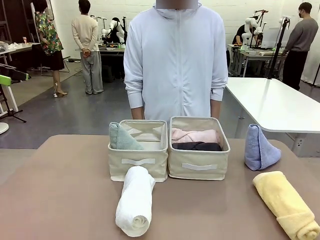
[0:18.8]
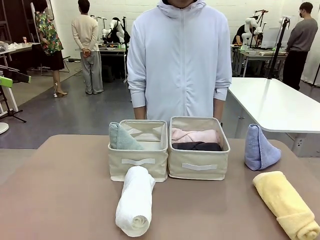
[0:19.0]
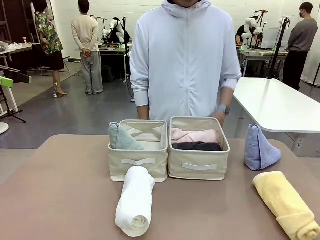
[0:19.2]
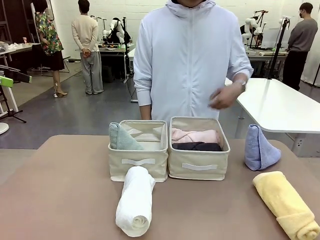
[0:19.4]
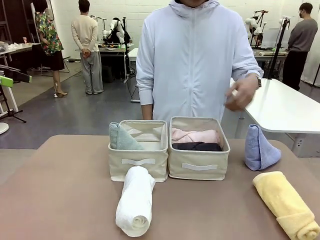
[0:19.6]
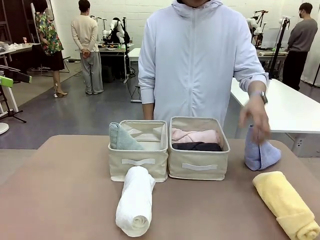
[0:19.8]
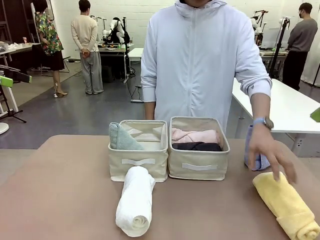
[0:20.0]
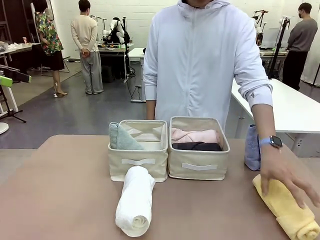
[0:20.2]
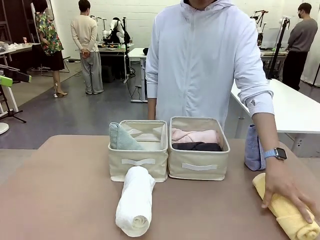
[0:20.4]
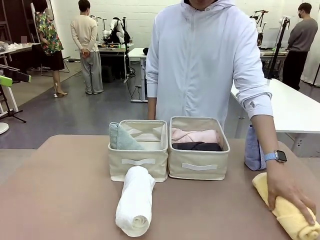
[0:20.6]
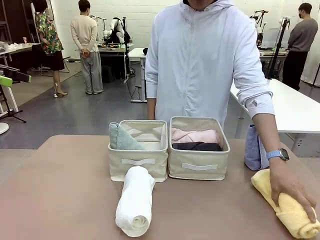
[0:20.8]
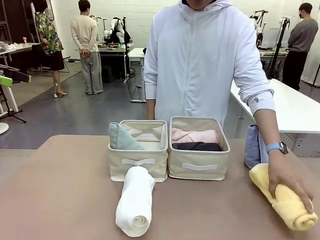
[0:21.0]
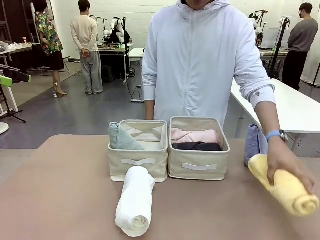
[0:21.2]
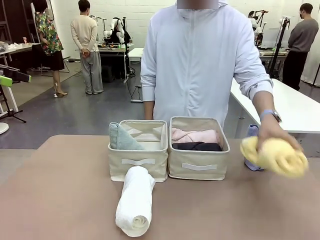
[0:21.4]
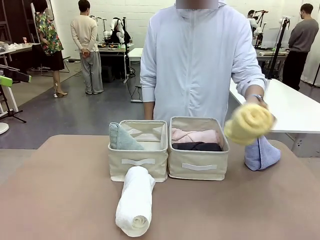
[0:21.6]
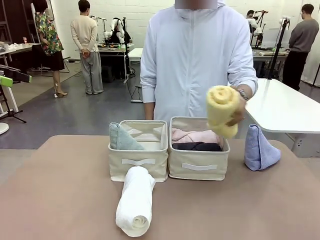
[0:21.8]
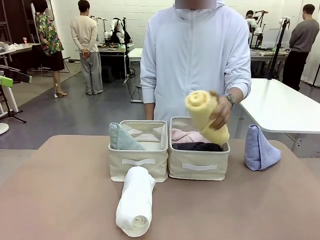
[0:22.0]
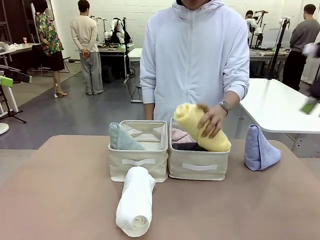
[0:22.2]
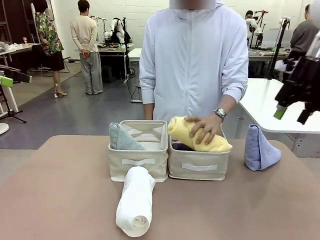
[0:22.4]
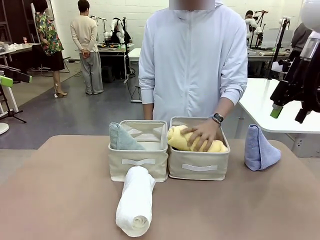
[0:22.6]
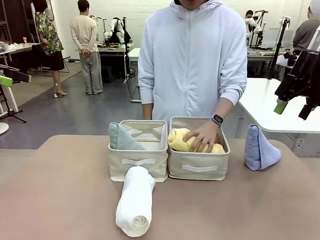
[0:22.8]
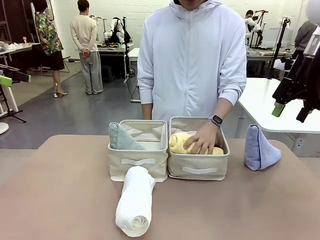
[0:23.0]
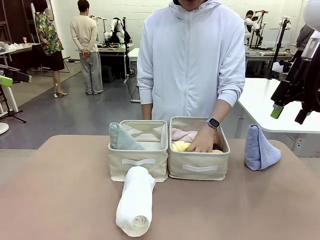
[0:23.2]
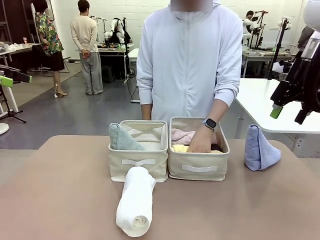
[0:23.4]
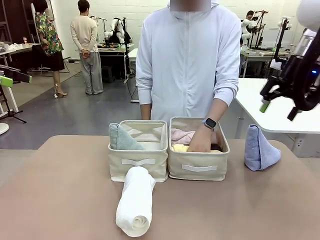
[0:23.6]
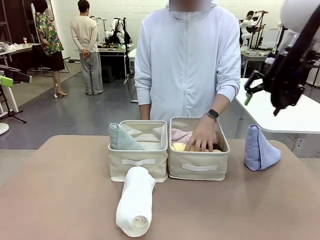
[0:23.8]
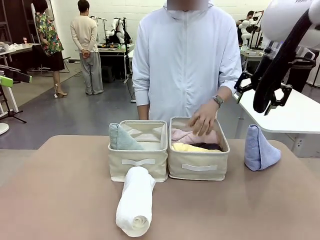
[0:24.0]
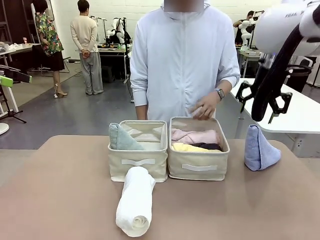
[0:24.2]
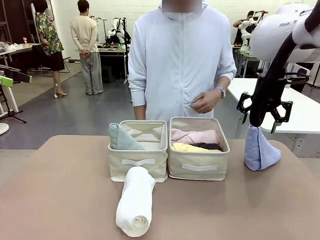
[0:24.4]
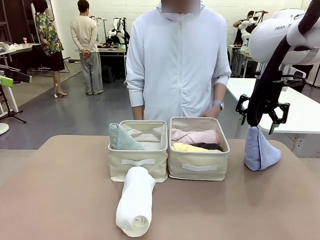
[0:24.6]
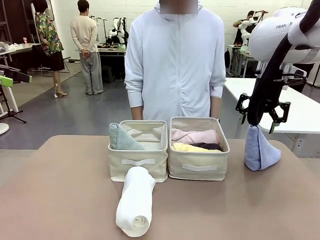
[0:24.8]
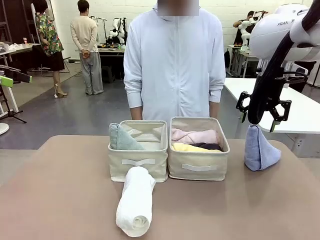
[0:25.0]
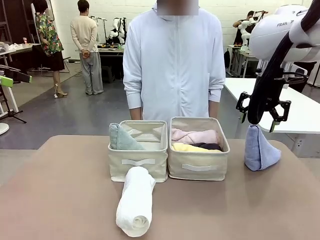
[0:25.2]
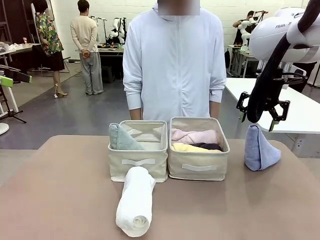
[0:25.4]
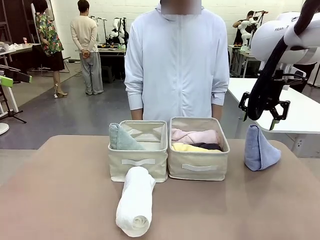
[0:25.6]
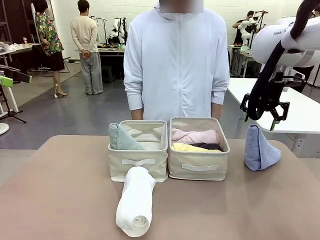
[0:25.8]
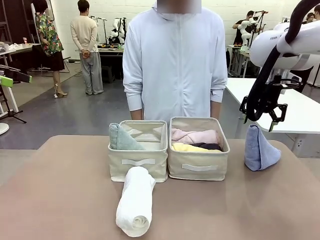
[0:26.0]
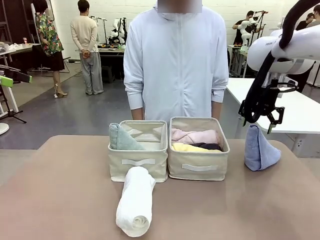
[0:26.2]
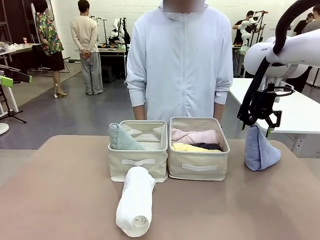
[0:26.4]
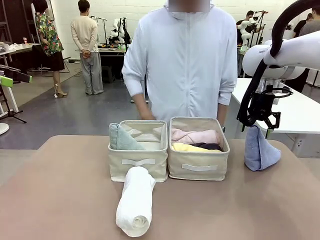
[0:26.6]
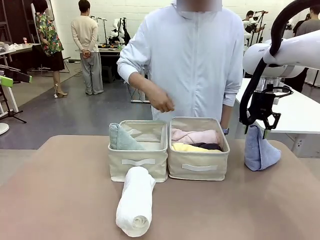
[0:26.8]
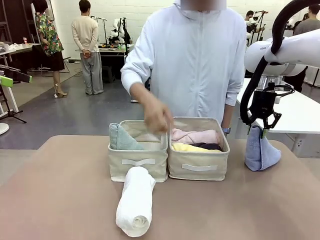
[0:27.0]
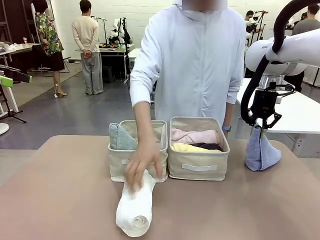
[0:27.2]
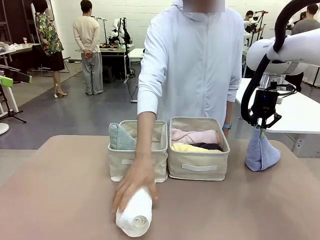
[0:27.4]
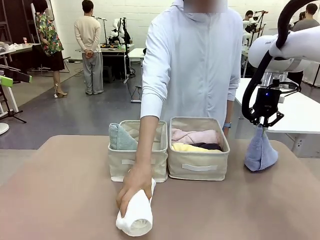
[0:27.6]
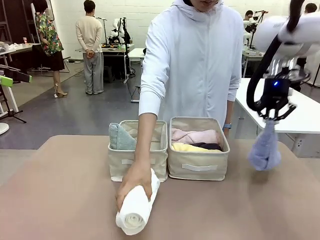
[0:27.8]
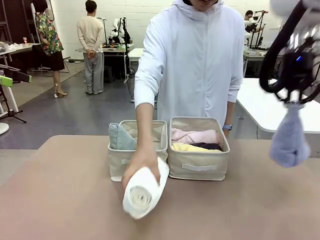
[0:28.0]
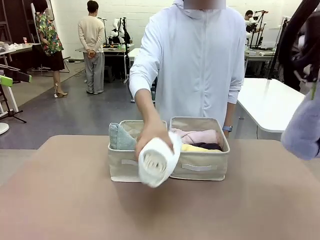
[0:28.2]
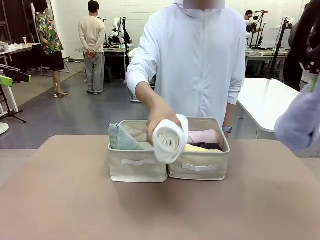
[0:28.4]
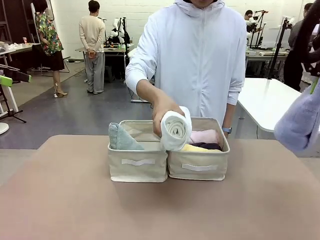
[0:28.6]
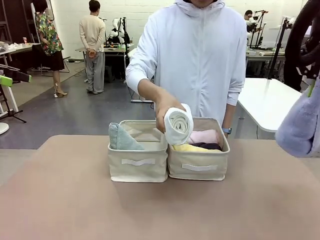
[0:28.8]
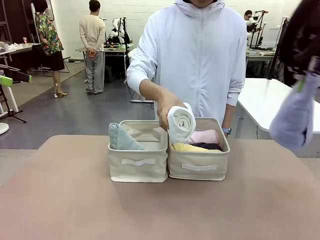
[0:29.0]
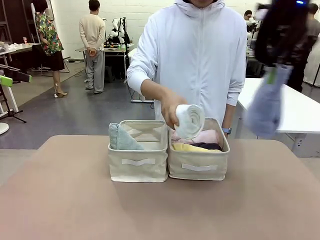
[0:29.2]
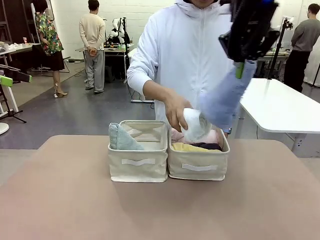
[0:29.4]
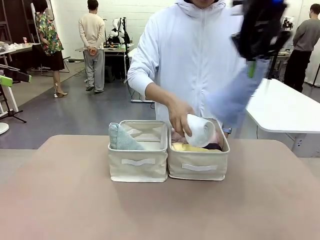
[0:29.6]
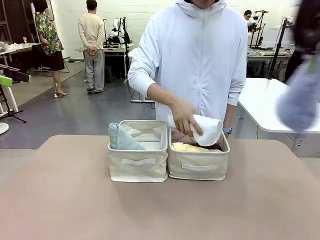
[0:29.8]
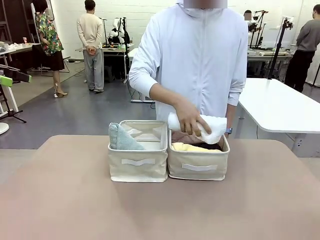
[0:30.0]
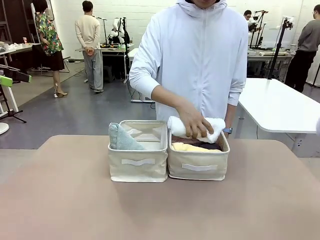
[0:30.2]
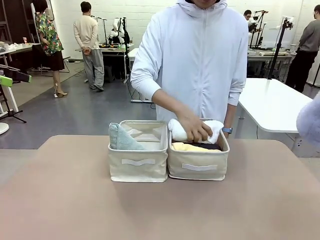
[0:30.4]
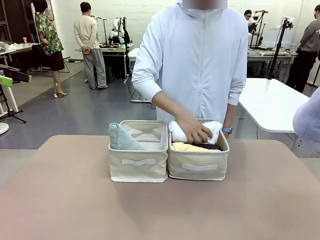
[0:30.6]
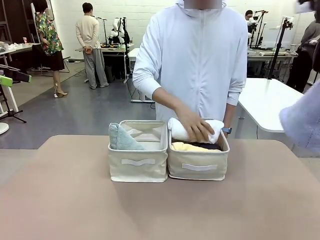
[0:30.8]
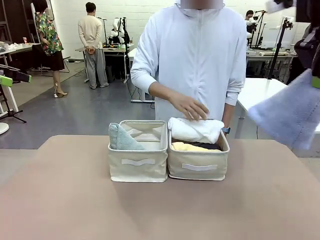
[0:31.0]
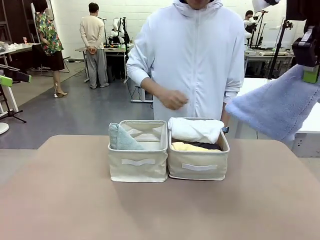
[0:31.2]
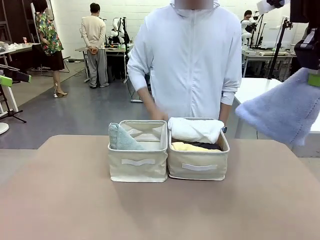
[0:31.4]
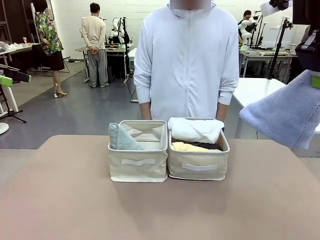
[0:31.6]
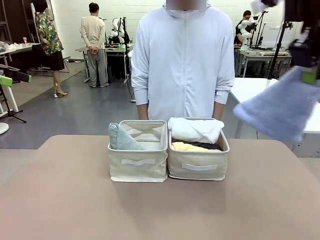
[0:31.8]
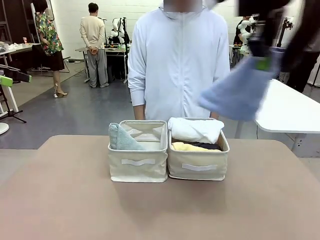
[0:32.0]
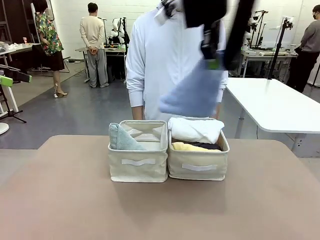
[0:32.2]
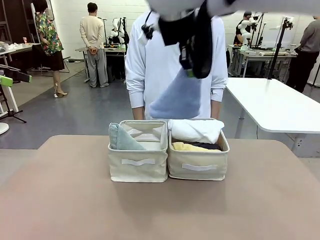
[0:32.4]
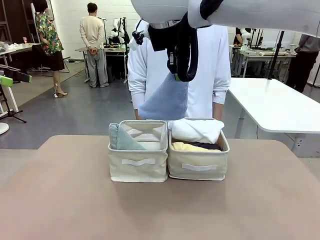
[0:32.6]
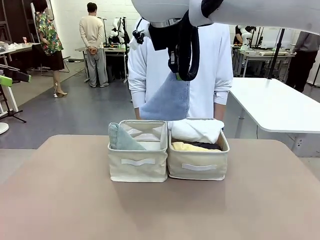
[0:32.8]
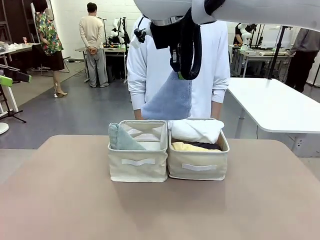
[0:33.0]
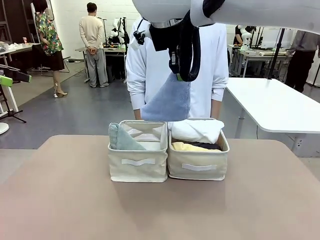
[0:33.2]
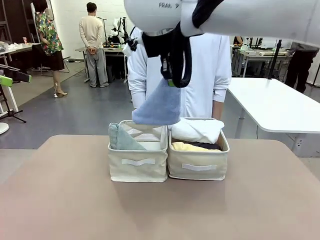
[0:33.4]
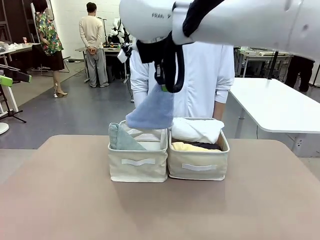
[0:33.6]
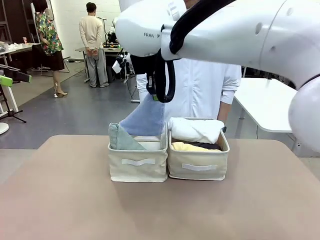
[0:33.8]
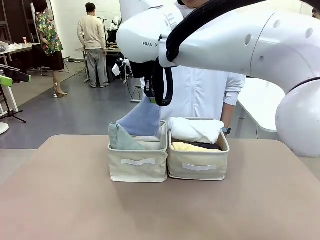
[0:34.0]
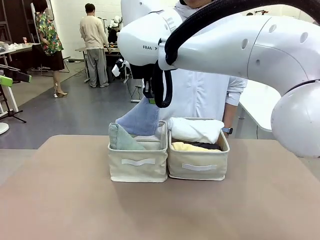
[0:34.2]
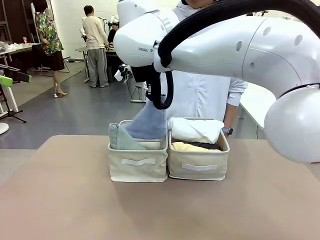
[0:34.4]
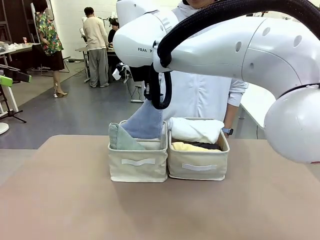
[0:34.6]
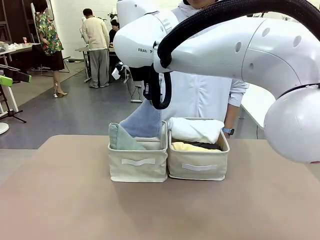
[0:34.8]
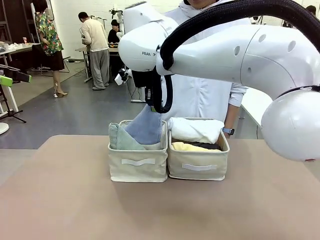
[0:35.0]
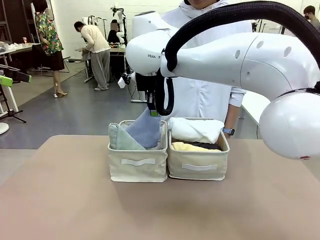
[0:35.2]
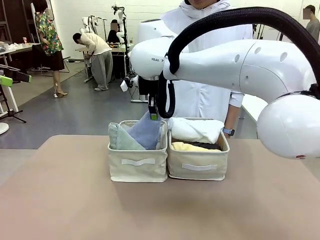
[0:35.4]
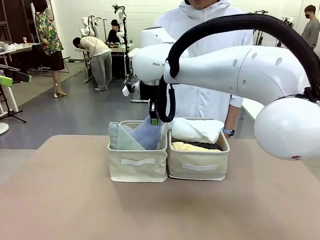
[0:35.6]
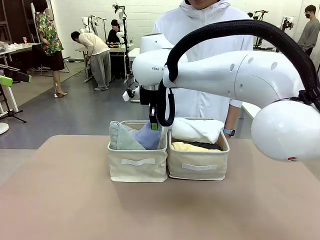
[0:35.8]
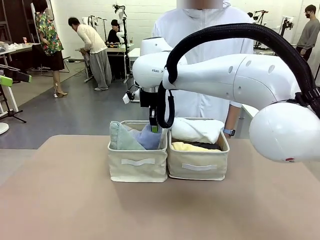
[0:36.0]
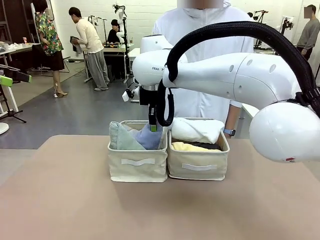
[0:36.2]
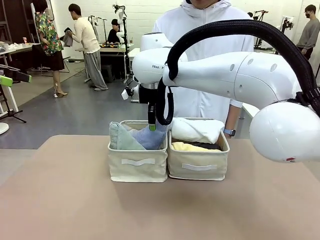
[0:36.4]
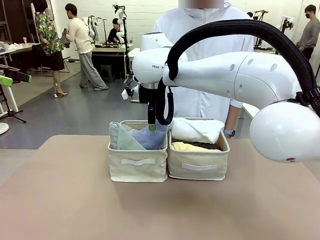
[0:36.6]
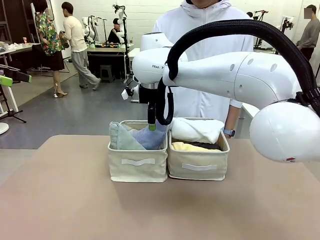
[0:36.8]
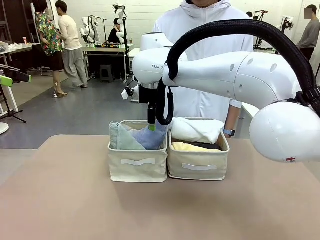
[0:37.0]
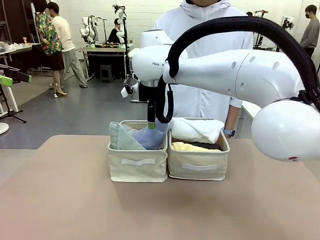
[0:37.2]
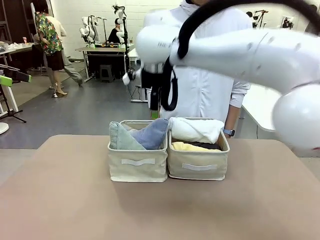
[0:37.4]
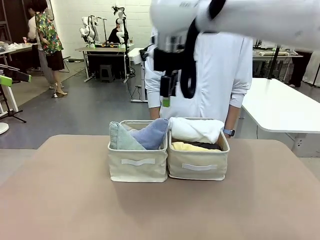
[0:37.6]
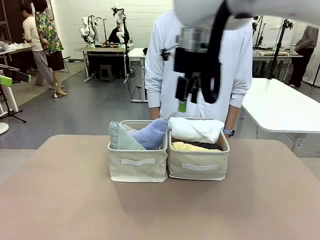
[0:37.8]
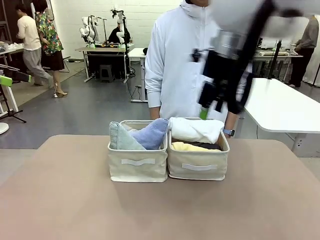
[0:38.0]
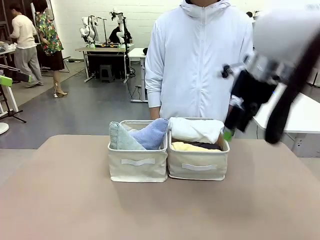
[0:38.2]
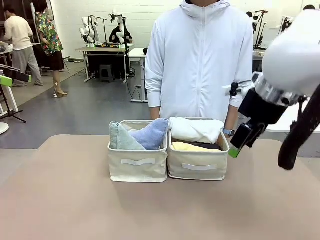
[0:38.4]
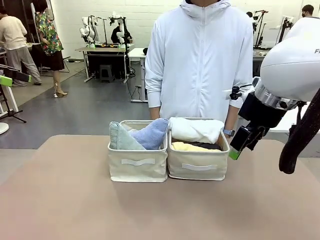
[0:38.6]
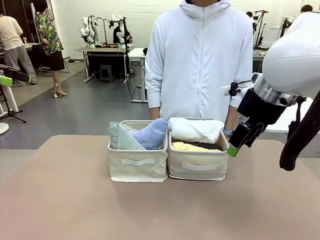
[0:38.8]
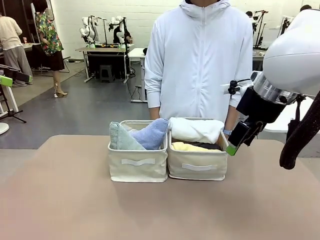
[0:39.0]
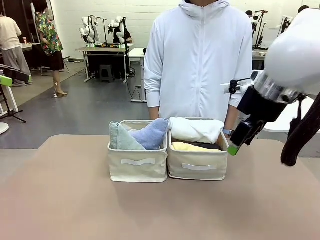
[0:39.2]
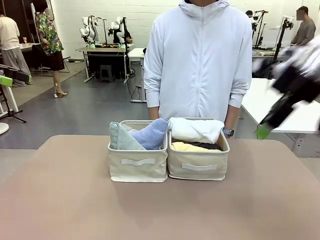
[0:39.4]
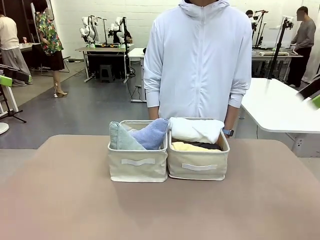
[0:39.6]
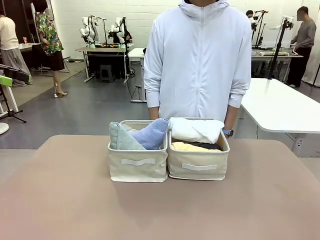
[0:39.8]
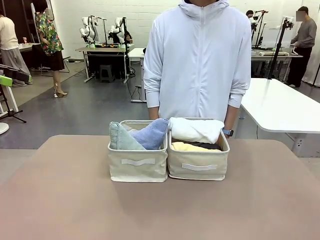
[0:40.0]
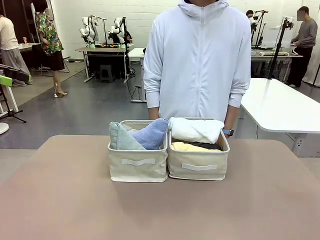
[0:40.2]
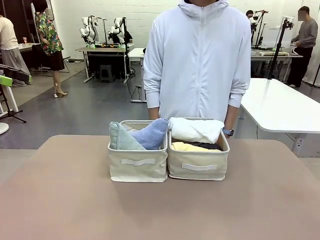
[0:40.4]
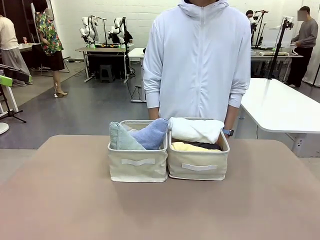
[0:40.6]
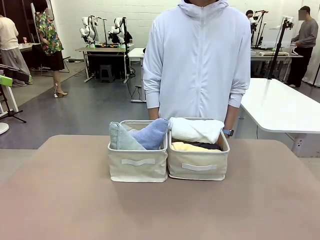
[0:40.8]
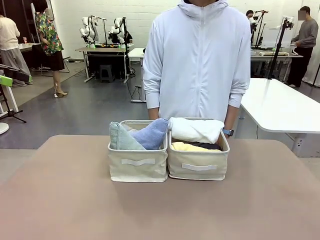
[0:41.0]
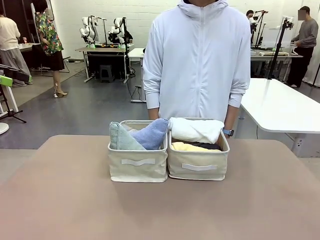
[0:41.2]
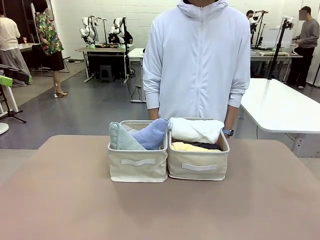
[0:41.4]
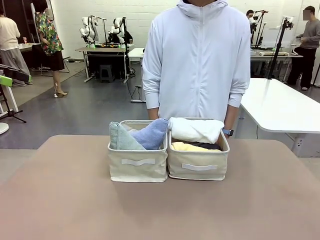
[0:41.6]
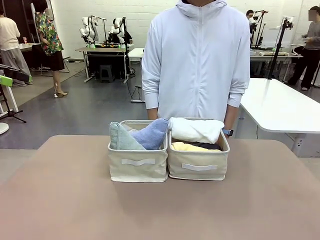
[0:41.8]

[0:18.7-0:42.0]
Task: Sort the towels based on their folding style.
Robot: Pick up another triangle-folded towel from the table and place it in the left Fabric basket.
Person: Pick up one hotel-style rolled towel from the table and place it in the left fabric basket.
